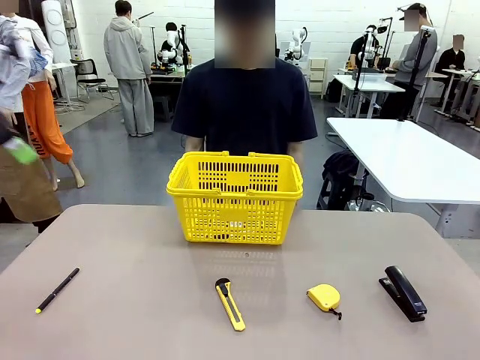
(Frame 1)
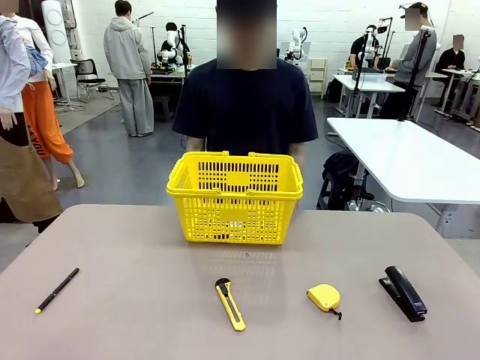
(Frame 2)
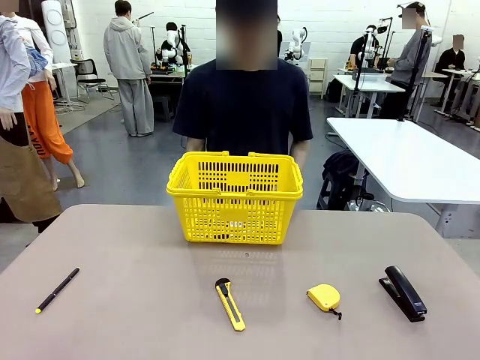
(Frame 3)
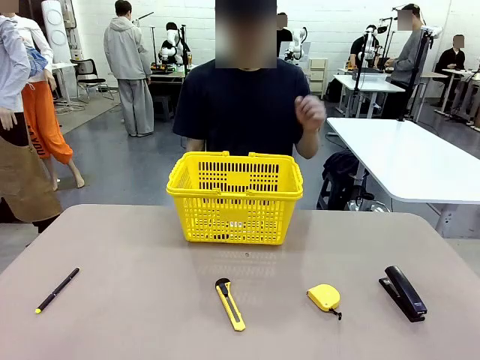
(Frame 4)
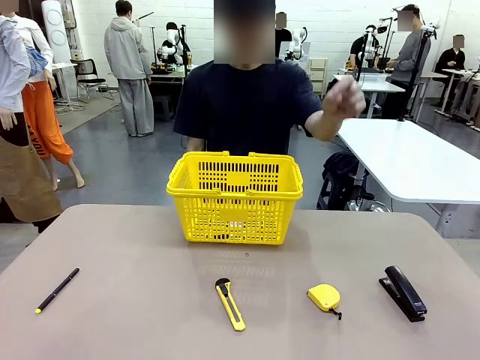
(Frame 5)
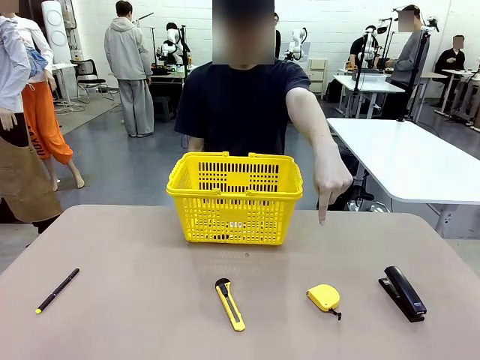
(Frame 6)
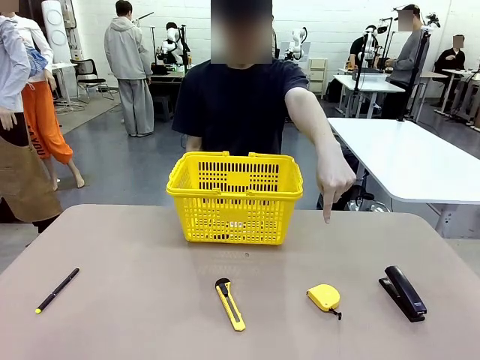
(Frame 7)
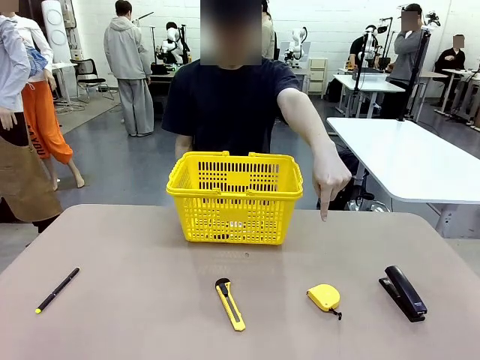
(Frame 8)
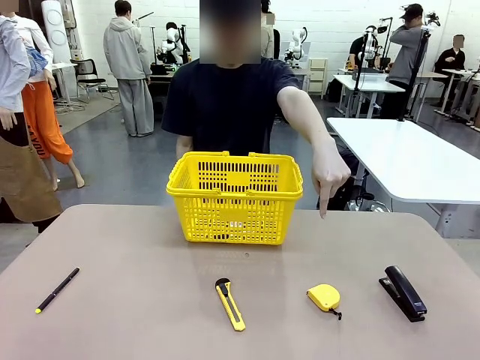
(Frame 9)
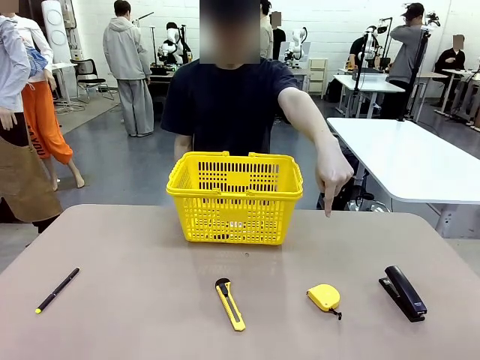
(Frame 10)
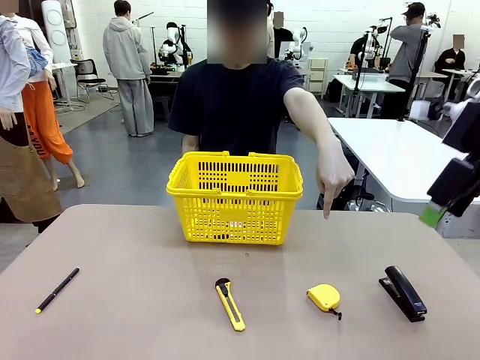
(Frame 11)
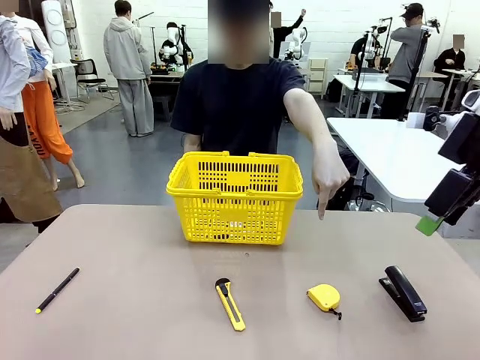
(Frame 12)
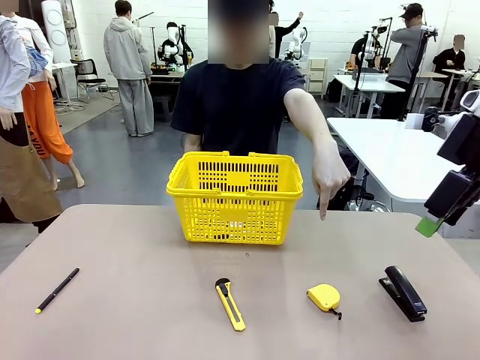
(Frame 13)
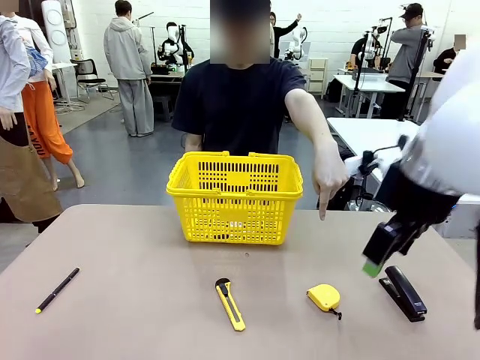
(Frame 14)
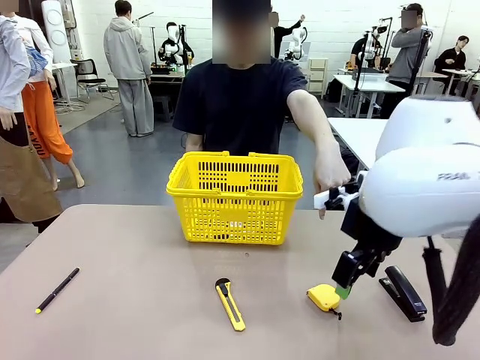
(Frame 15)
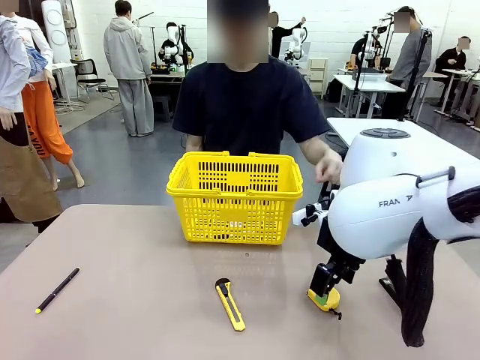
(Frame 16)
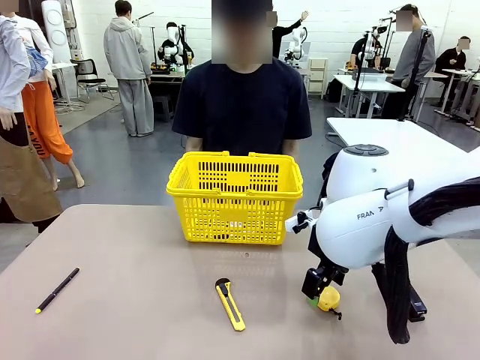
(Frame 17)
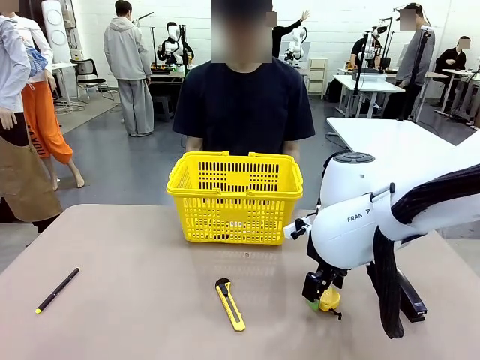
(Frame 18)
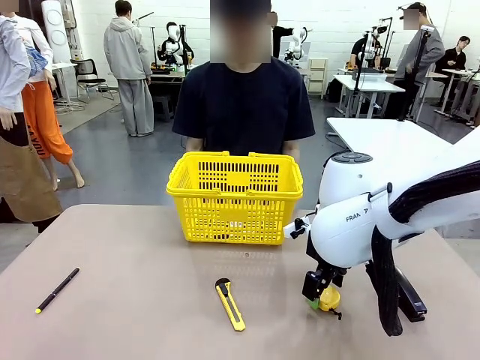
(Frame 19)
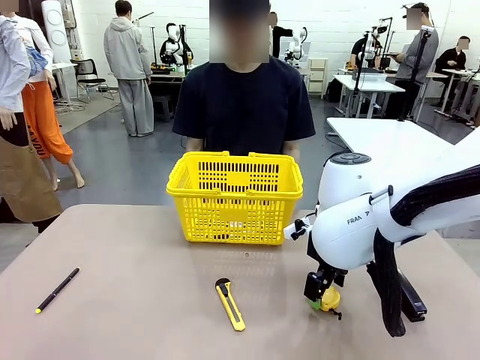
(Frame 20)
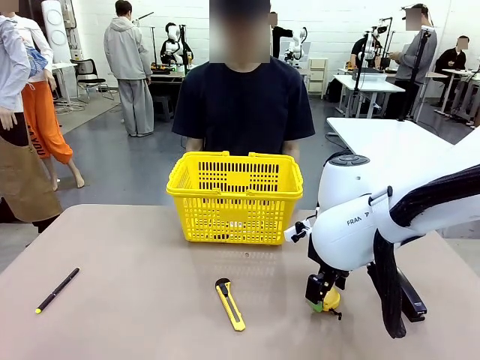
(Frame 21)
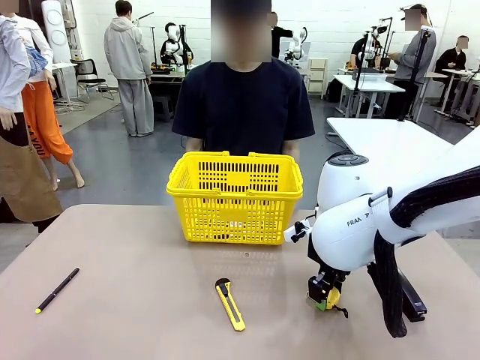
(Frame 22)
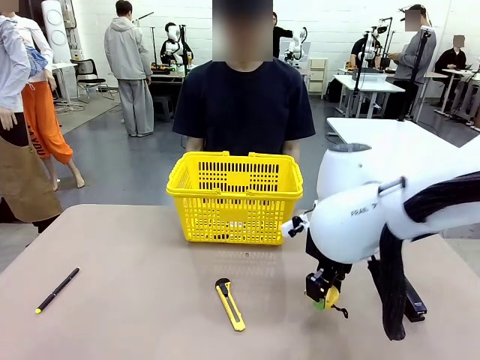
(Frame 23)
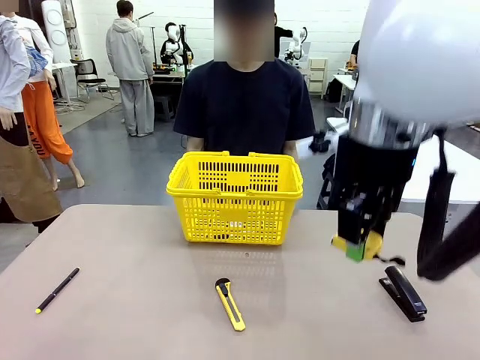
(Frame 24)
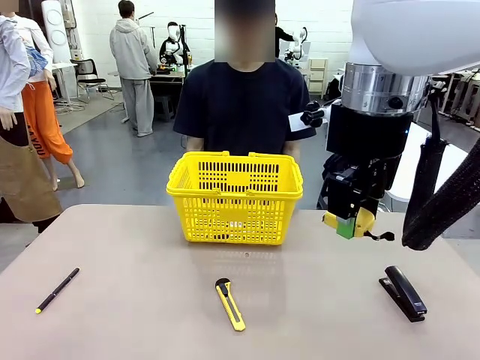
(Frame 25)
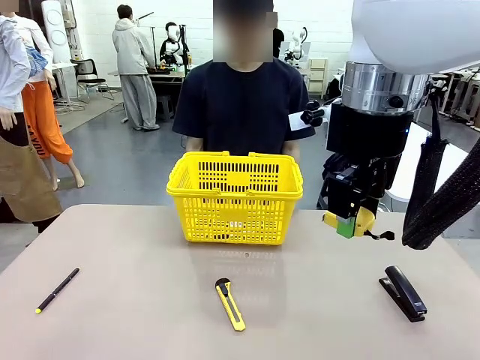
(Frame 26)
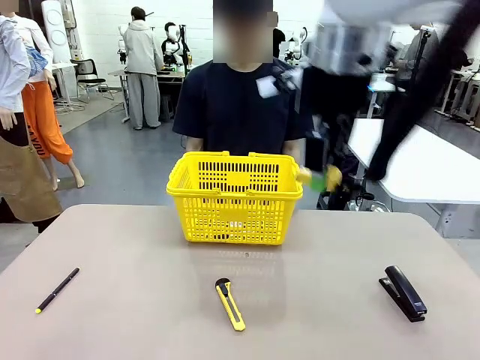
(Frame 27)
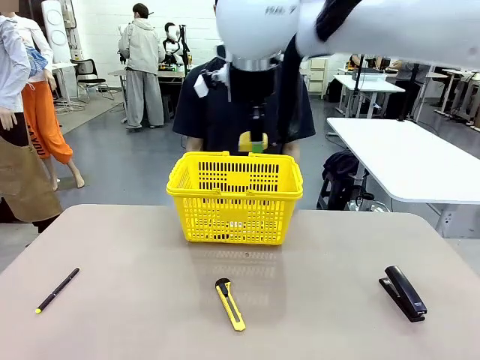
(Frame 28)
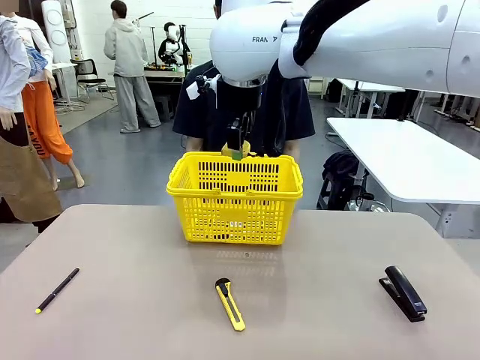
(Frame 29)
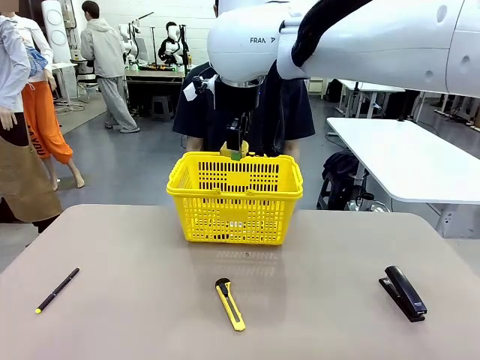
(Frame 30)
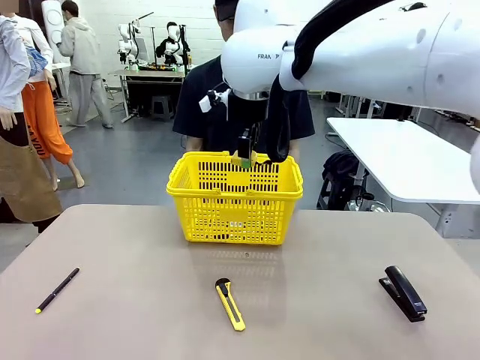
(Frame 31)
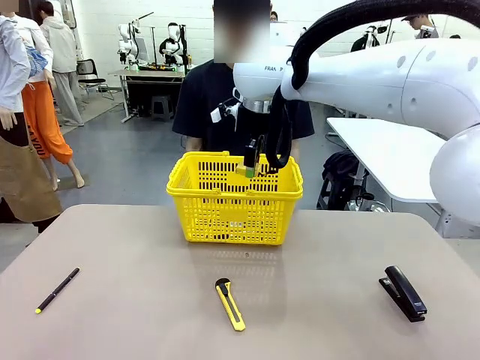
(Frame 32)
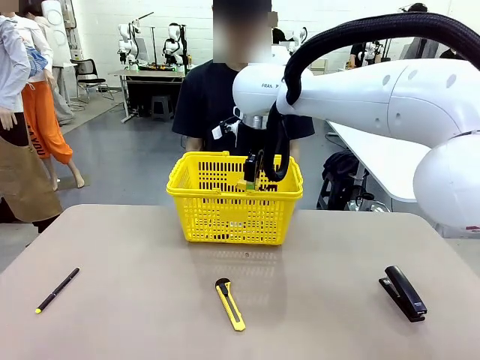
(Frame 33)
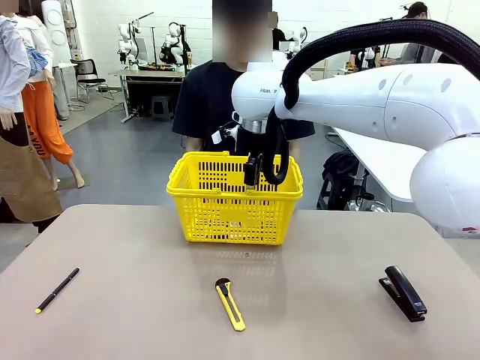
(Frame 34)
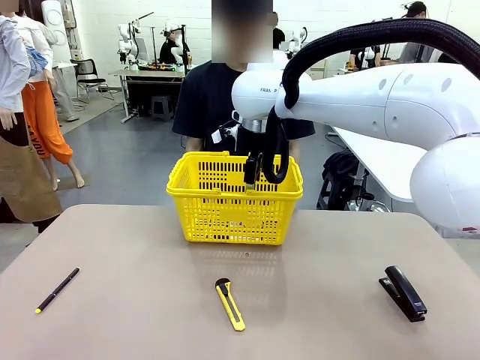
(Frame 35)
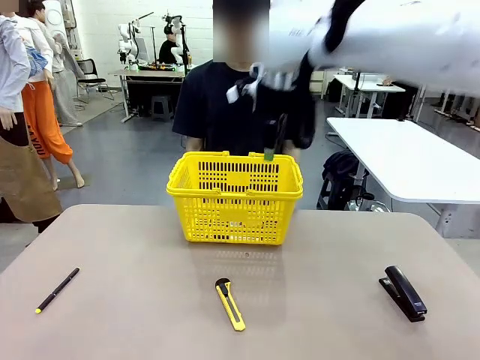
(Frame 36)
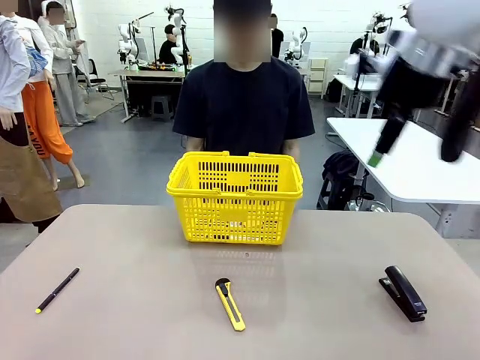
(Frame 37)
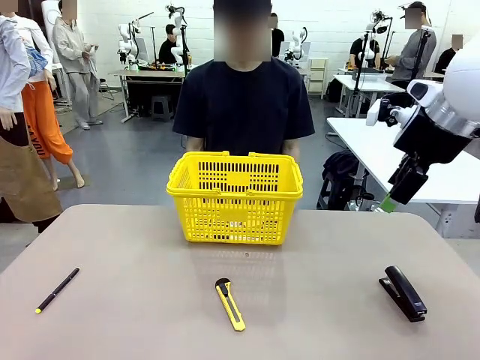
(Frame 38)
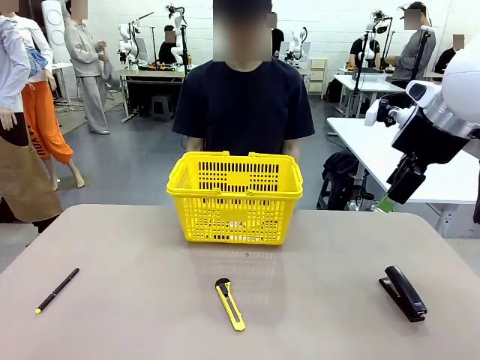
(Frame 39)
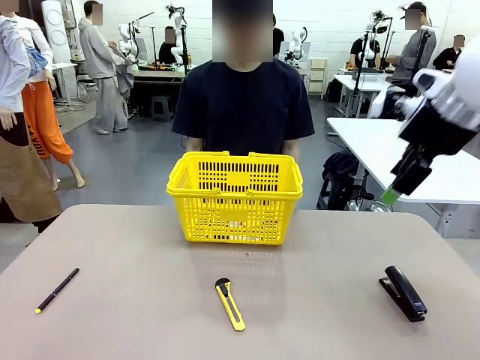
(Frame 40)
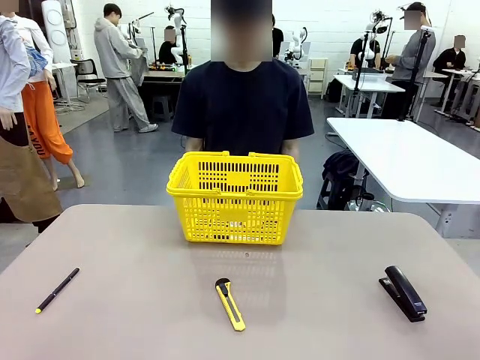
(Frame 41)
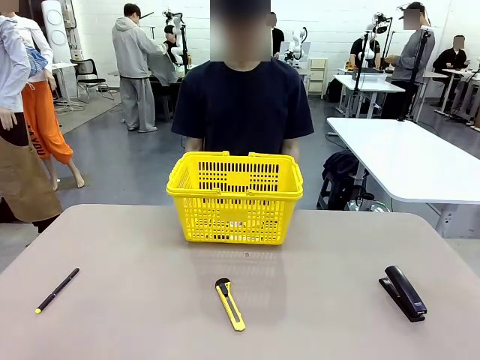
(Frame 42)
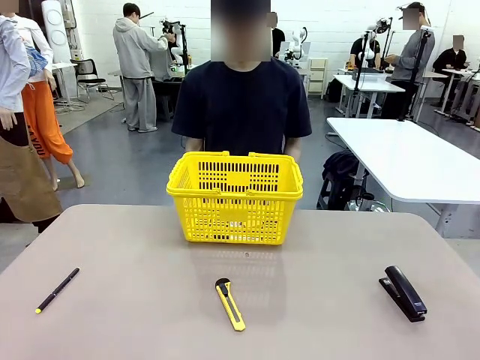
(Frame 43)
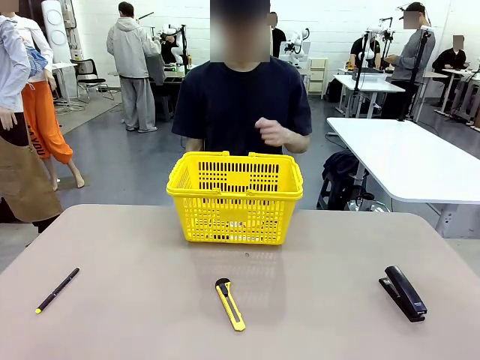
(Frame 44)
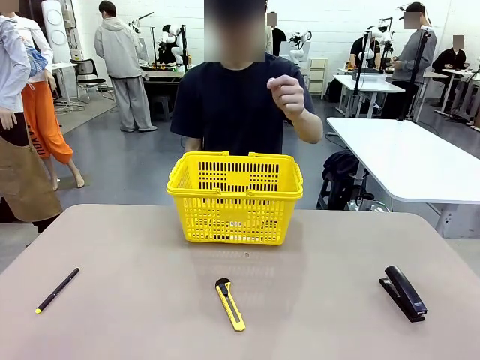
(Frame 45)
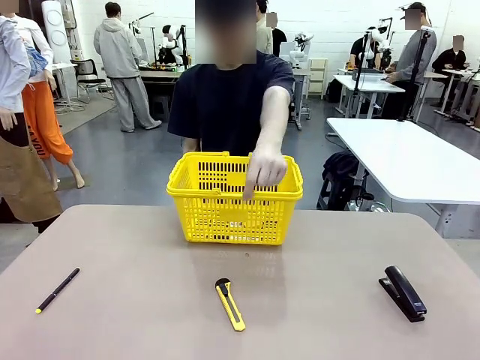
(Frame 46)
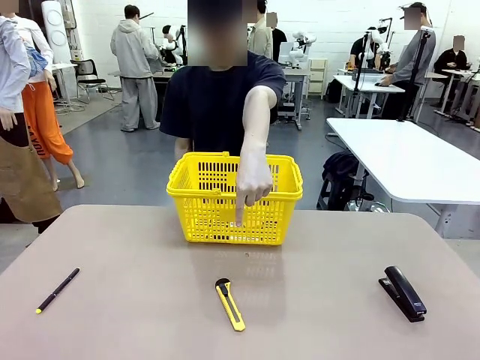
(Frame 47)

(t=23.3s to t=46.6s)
Task: Place the items the person wants into the basket.
Robot: Pick up the item the person points to and place it in the Market Basket.

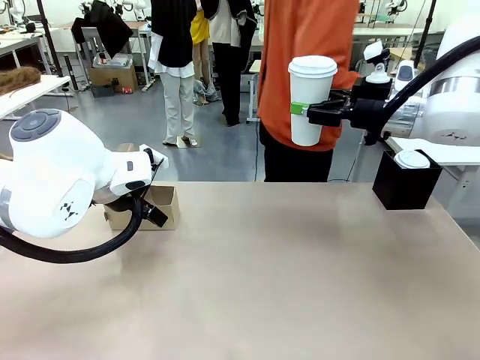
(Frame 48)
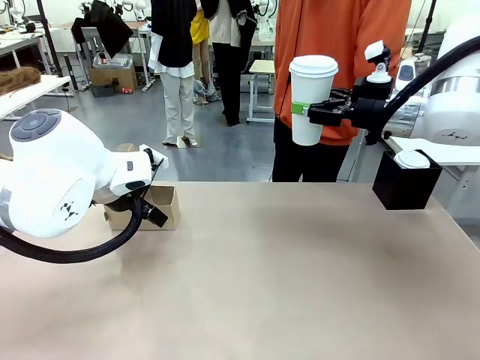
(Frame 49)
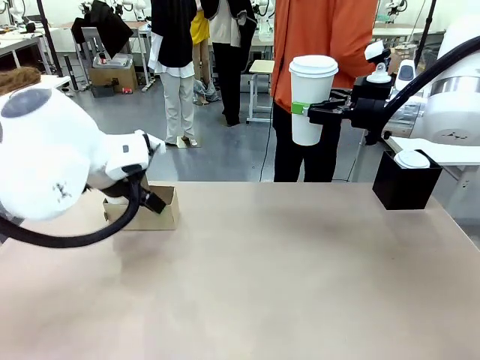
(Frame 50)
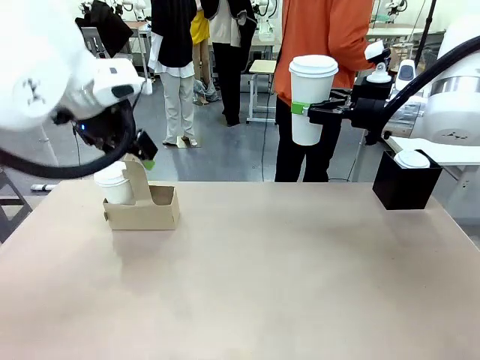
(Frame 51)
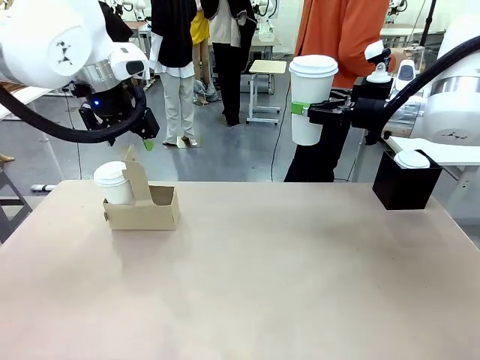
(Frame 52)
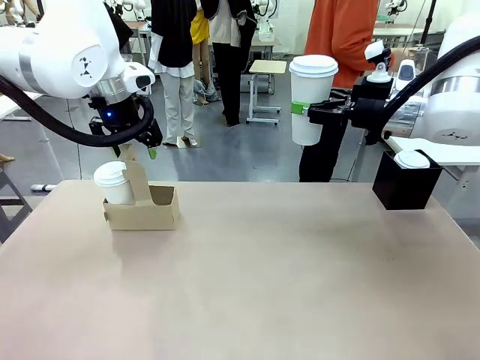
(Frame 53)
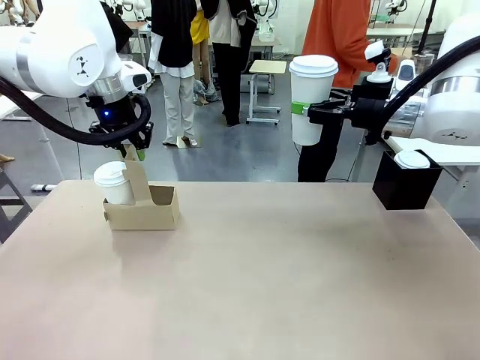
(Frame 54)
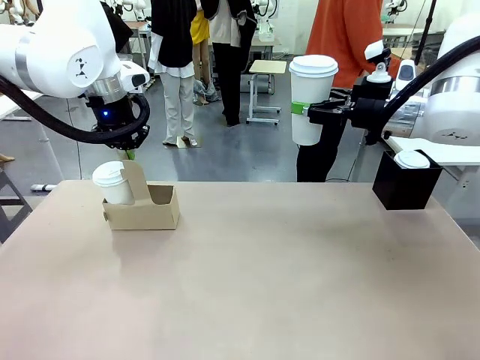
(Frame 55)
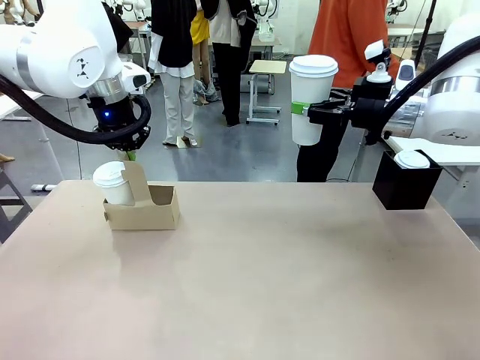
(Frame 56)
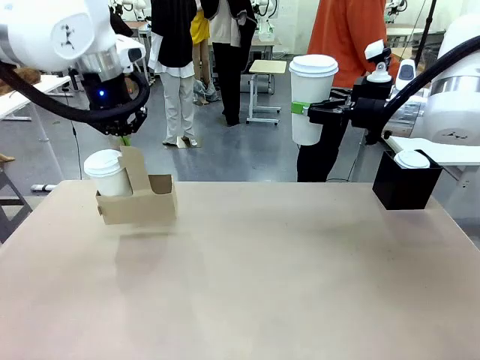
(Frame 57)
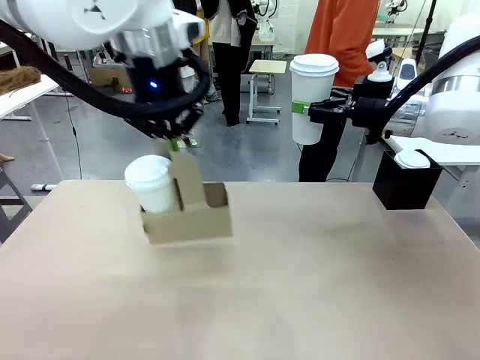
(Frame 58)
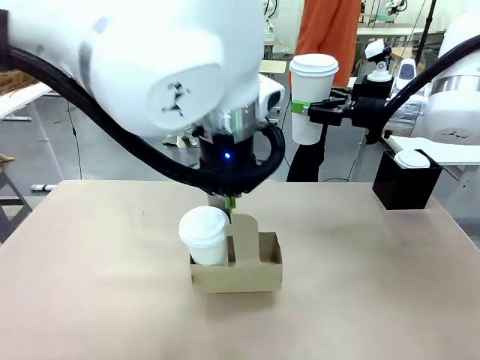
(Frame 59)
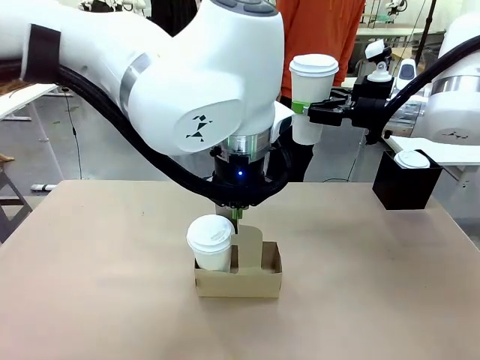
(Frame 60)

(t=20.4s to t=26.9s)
Task: Pour a drink into a cup and package it in a carrier.
Robot: Position the Cup Carrier in the center of the table.
